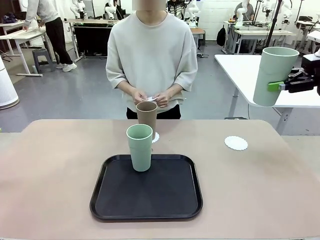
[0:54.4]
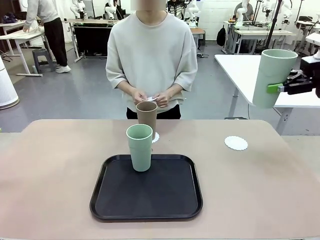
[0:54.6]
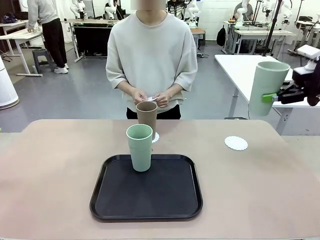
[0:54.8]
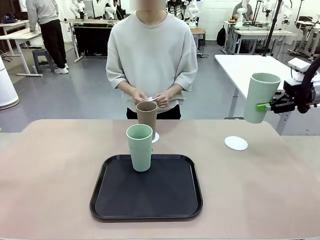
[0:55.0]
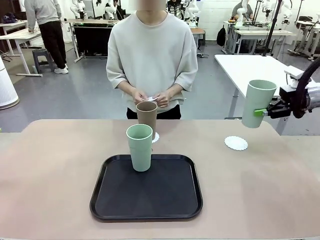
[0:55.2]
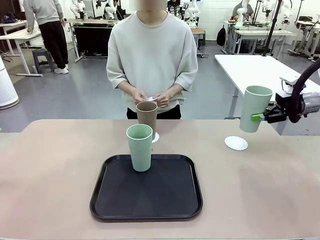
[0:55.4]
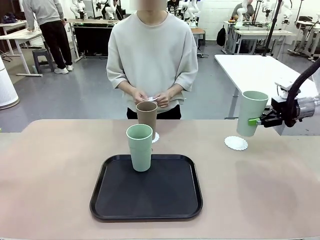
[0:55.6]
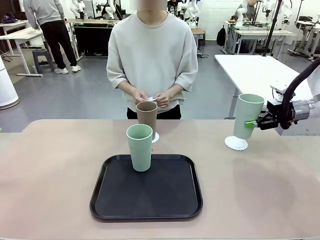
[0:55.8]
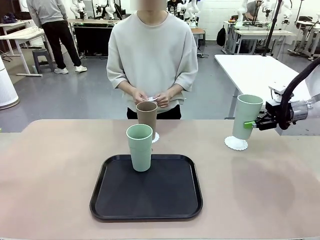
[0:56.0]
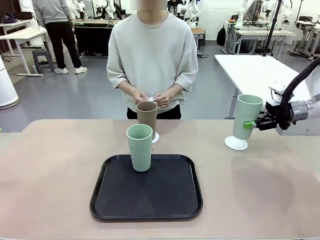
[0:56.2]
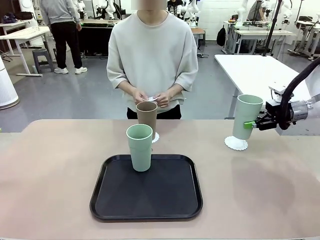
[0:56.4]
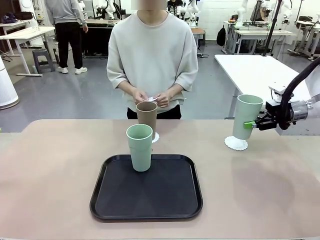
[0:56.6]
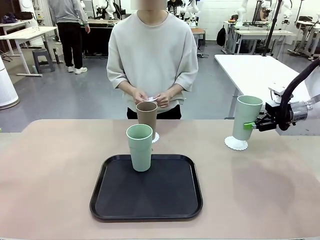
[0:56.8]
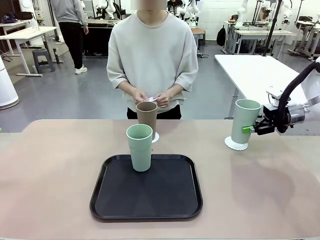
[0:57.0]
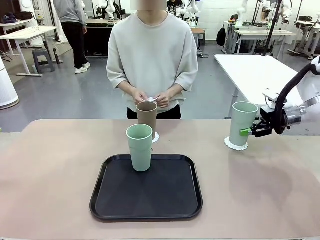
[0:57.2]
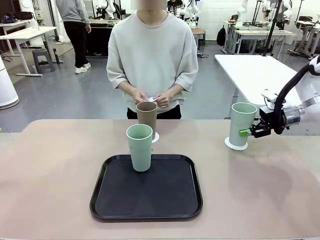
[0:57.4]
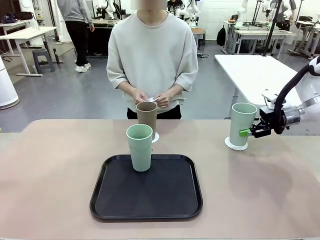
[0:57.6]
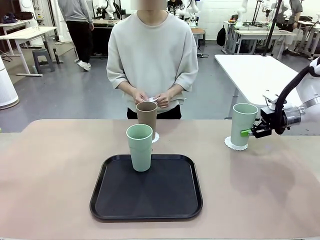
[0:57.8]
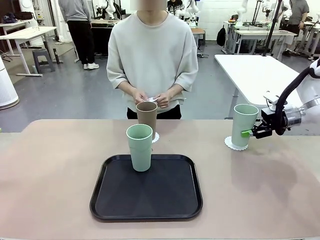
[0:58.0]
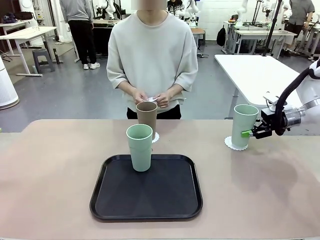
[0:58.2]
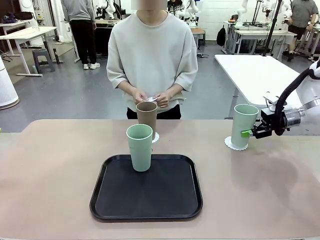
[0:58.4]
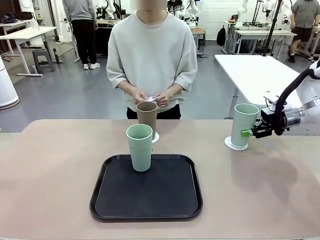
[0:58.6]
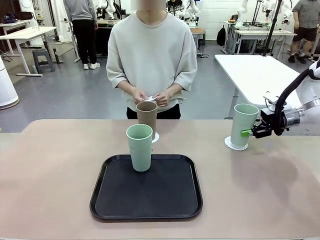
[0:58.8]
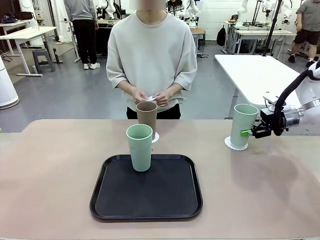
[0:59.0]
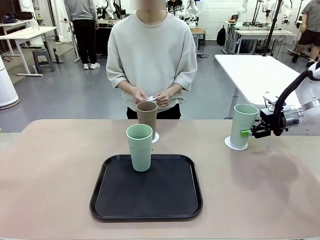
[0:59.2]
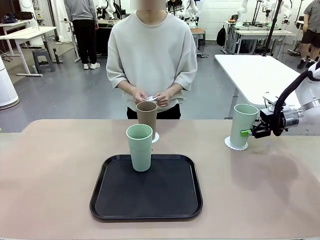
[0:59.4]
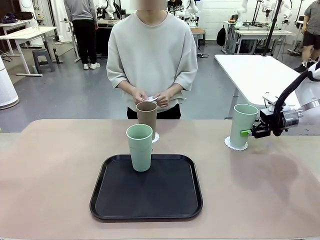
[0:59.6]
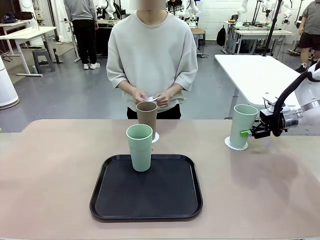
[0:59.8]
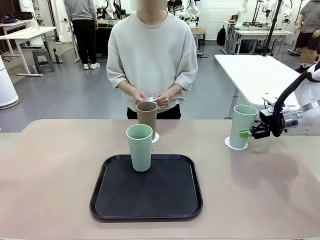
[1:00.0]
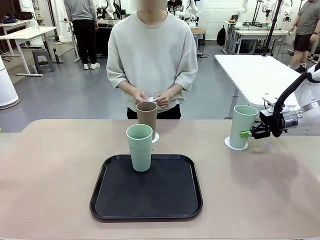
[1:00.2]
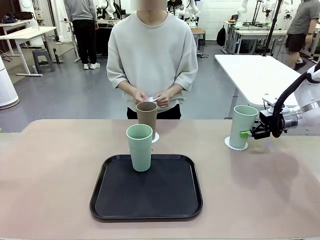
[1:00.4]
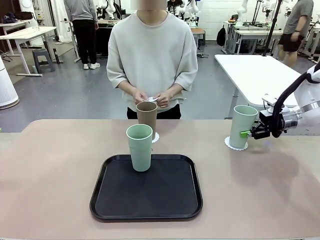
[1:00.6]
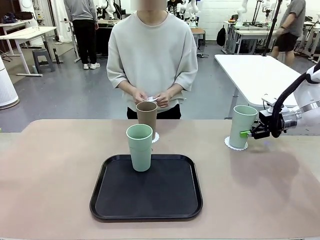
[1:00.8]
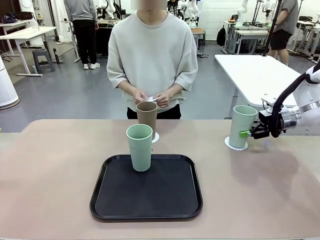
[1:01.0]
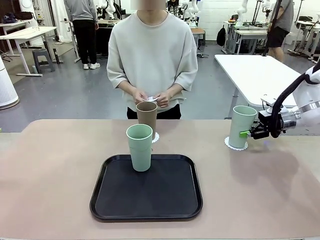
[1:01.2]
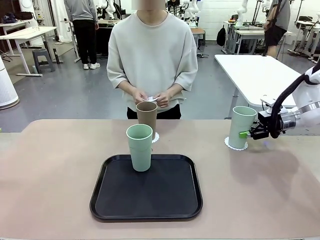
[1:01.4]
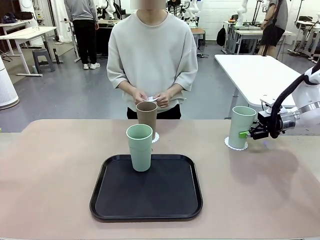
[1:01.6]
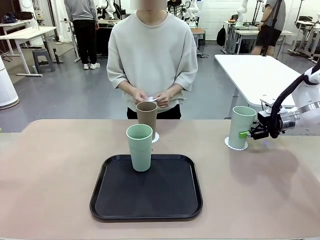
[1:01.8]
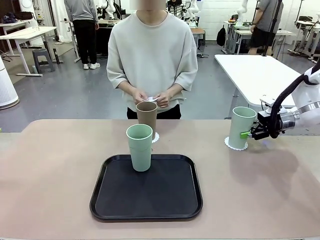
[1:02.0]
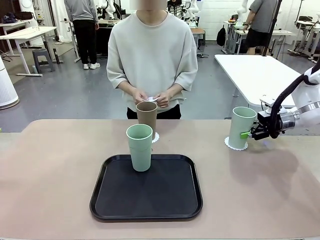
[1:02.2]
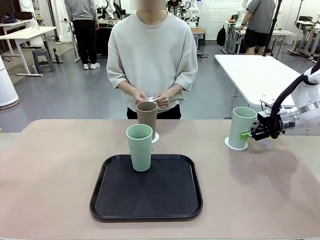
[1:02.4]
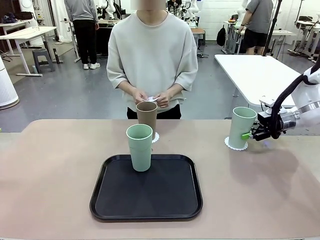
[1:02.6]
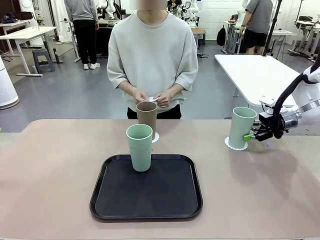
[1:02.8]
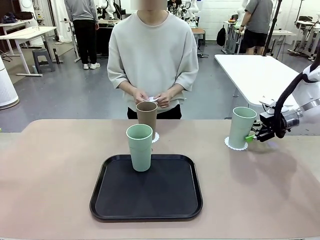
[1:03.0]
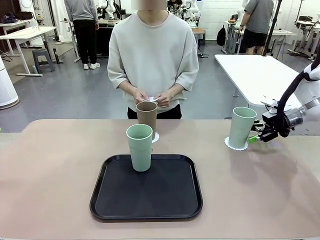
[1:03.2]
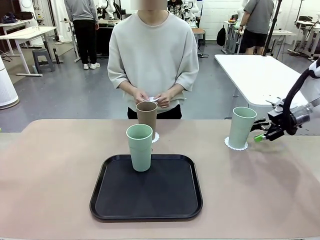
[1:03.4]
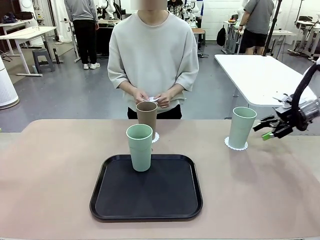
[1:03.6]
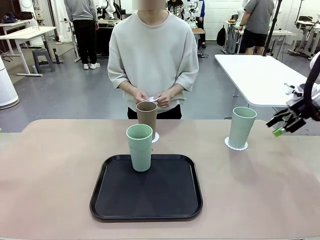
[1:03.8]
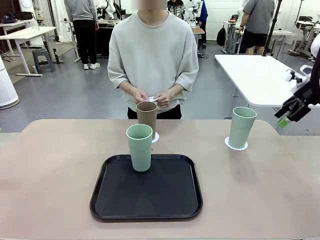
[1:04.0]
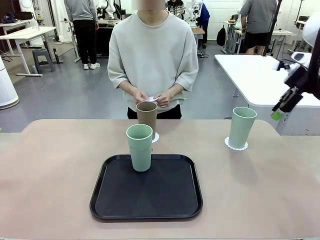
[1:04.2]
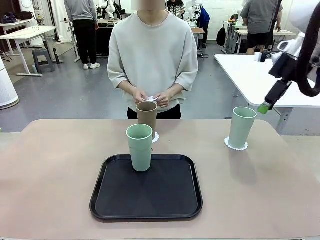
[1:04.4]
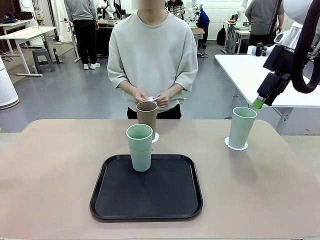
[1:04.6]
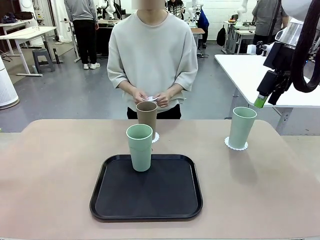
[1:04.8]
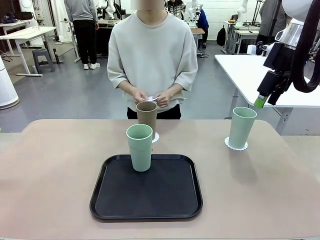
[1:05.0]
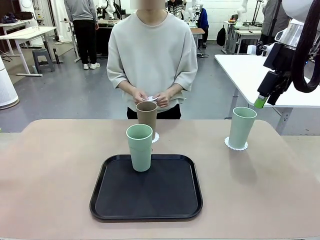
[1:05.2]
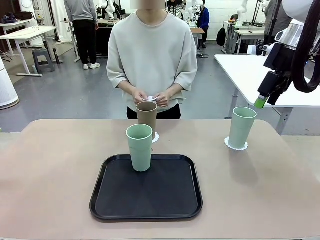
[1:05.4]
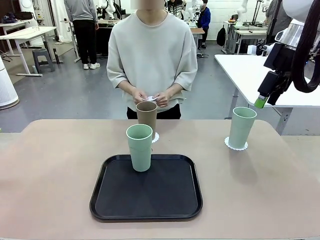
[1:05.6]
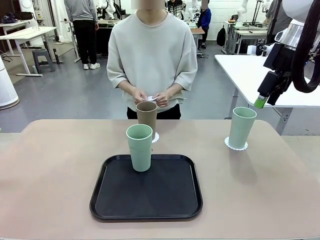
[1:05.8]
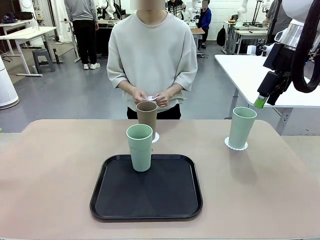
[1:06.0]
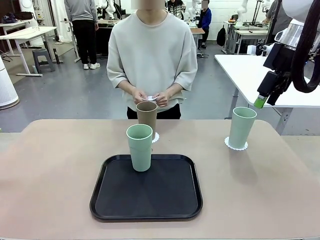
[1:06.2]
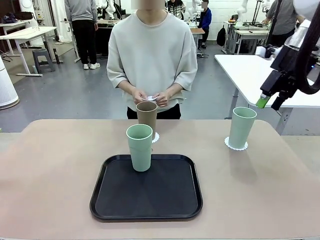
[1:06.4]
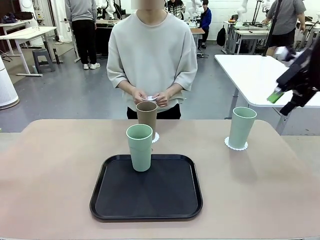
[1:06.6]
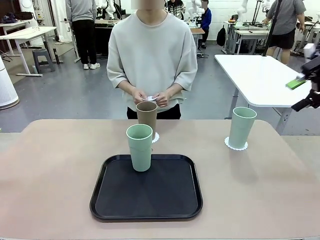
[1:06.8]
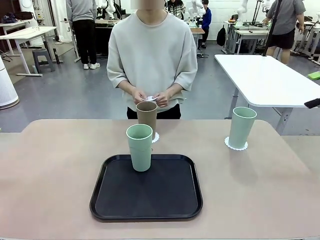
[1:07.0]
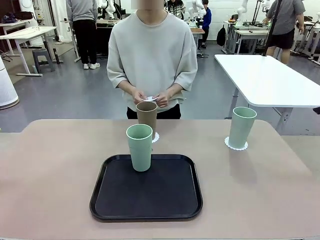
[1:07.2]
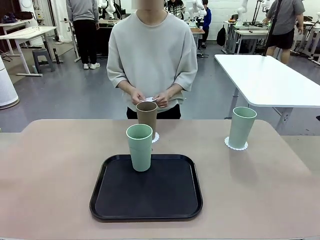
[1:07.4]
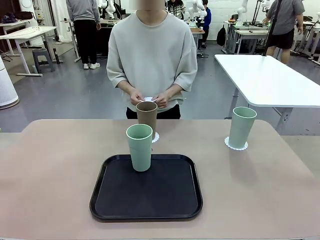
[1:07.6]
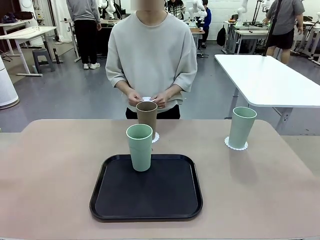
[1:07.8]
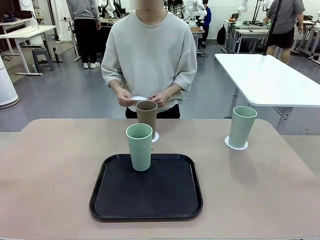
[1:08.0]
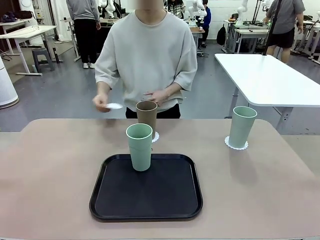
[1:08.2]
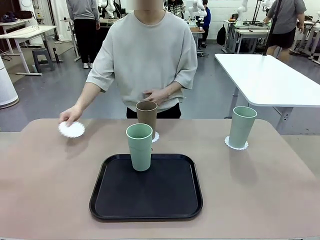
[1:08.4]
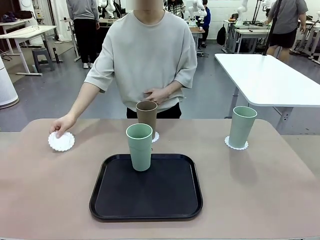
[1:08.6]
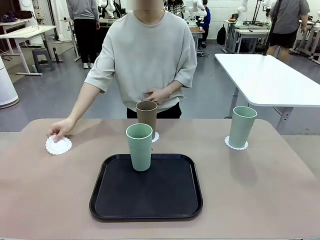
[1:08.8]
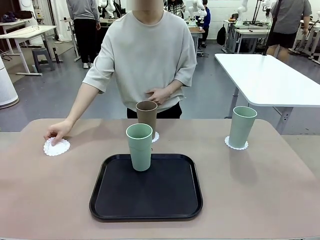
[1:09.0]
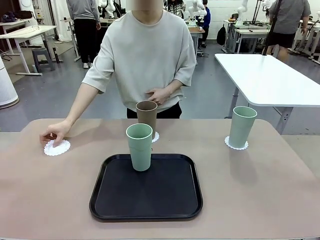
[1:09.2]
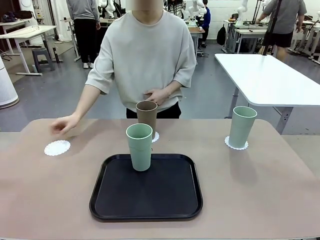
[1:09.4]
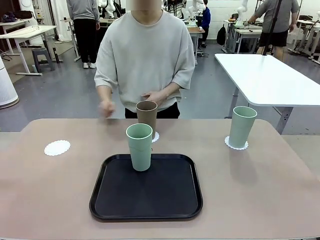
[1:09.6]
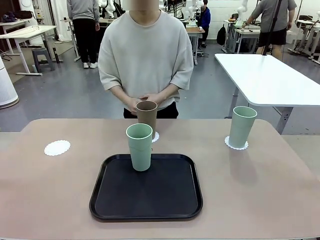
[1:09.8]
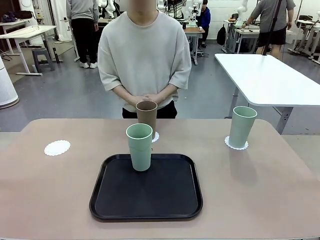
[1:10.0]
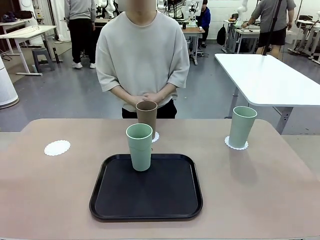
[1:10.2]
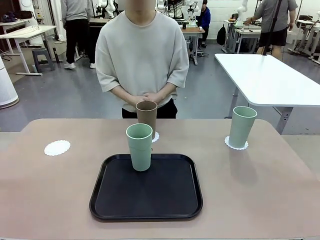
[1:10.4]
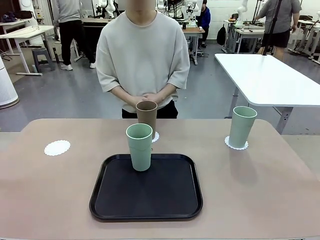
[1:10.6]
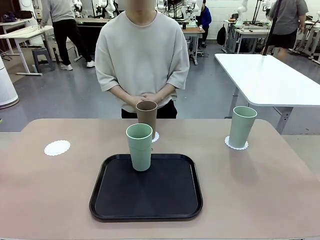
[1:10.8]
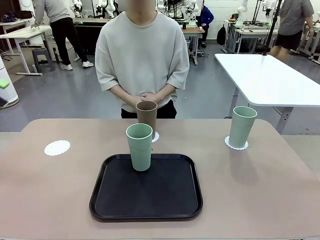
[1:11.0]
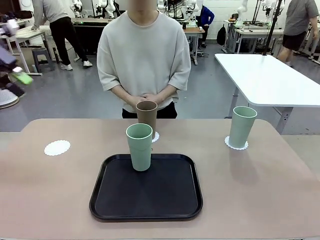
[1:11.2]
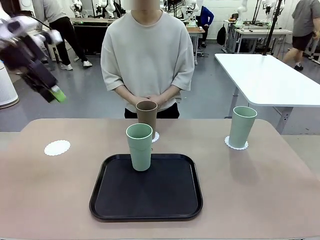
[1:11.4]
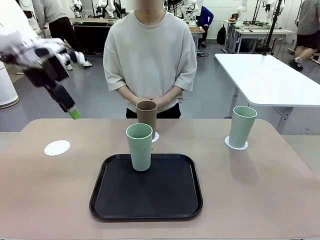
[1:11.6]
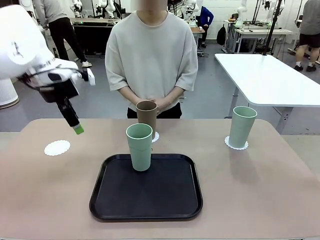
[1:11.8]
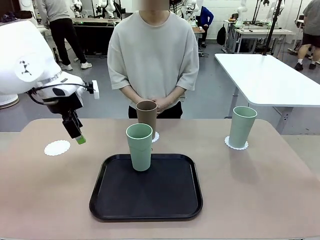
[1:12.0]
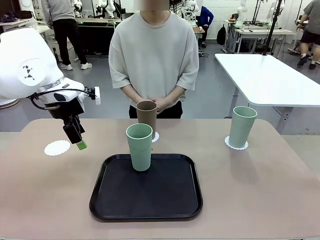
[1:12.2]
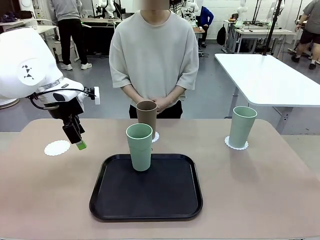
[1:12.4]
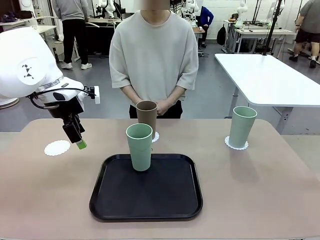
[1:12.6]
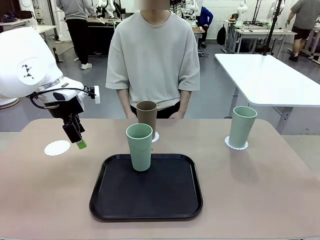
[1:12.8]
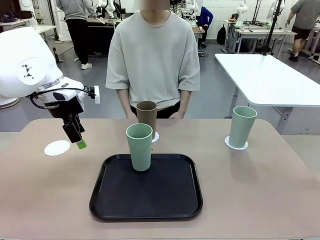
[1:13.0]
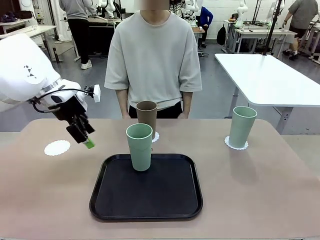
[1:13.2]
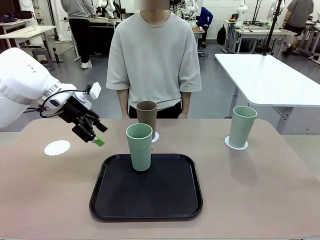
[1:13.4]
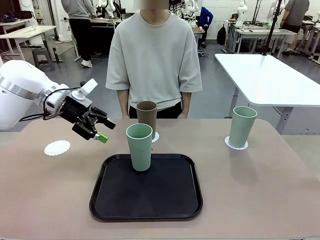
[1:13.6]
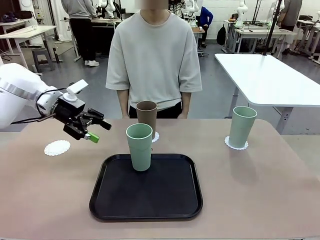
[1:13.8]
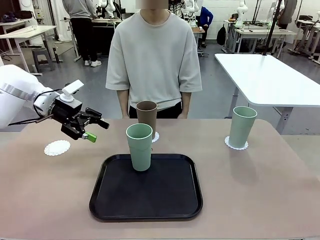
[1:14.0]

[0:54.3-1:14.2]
Task: Place coasters on the table and set cups on them.
Robot: Take one Reusable plastic cup from the Flat Tray and place it on a coaster set by the human.
